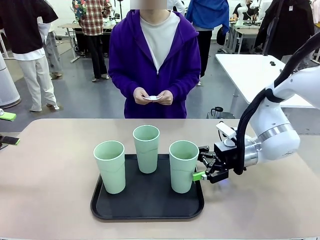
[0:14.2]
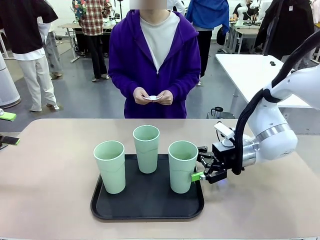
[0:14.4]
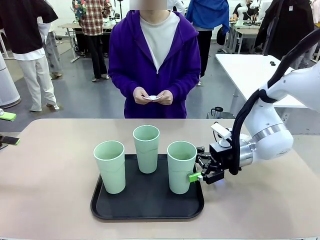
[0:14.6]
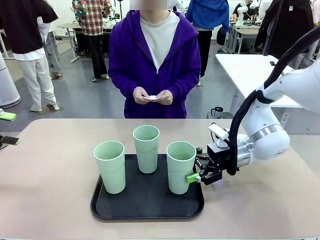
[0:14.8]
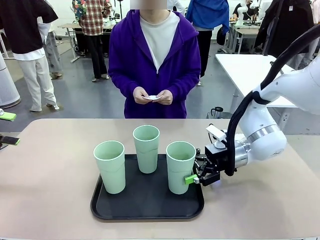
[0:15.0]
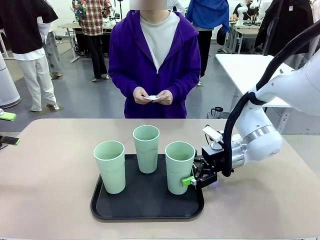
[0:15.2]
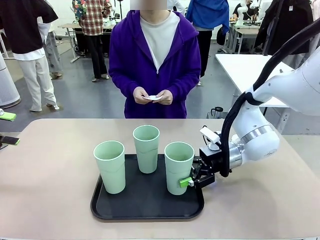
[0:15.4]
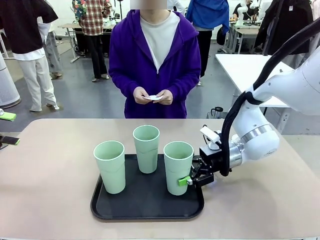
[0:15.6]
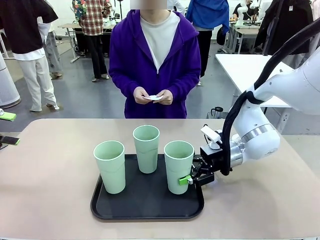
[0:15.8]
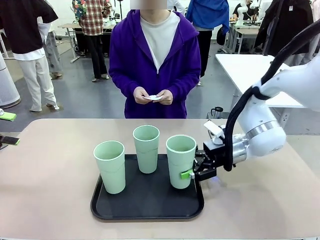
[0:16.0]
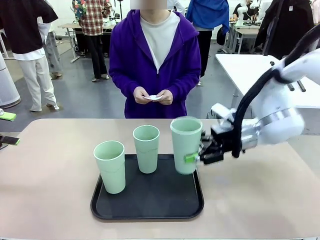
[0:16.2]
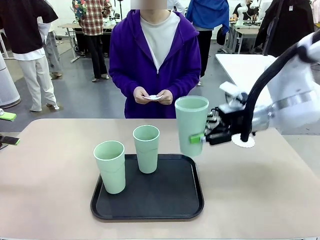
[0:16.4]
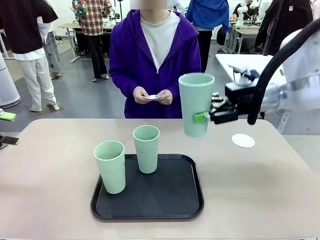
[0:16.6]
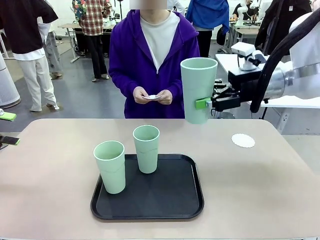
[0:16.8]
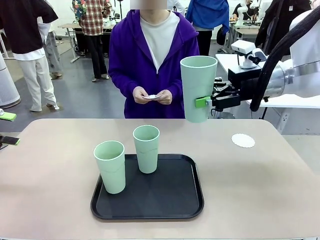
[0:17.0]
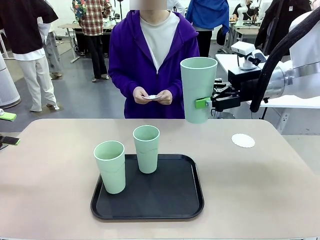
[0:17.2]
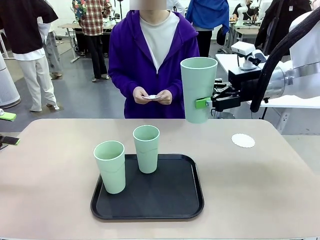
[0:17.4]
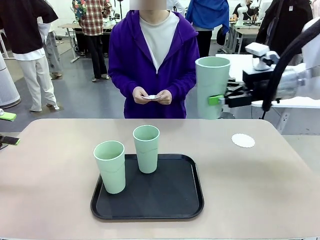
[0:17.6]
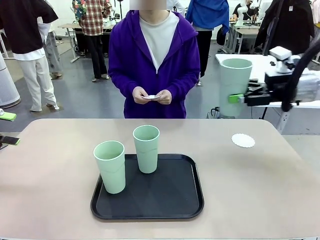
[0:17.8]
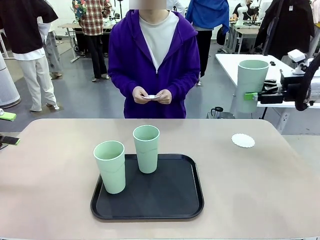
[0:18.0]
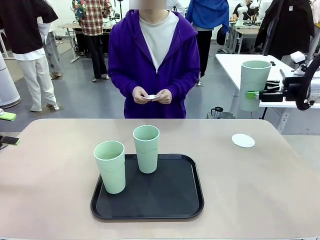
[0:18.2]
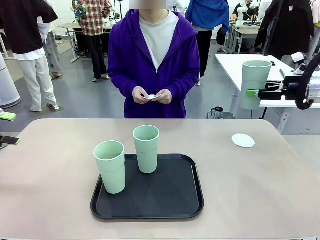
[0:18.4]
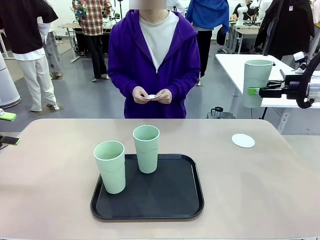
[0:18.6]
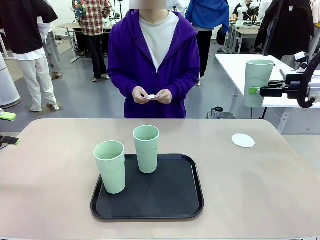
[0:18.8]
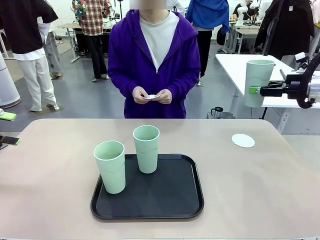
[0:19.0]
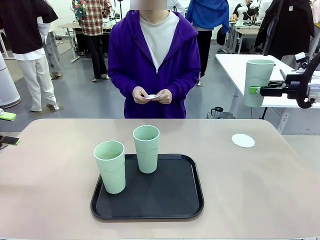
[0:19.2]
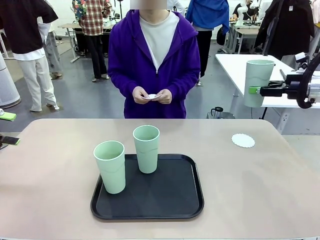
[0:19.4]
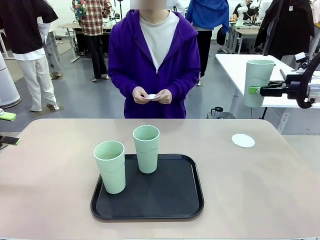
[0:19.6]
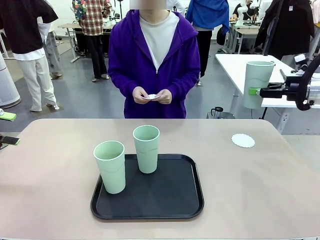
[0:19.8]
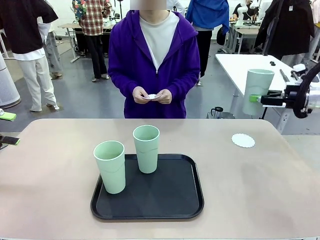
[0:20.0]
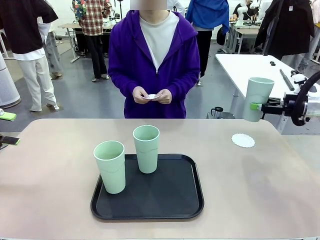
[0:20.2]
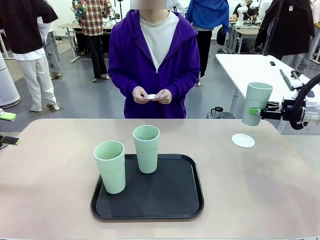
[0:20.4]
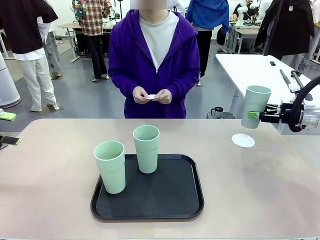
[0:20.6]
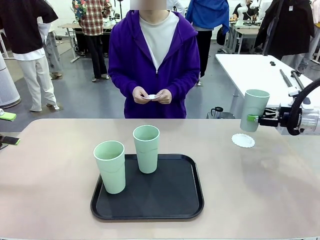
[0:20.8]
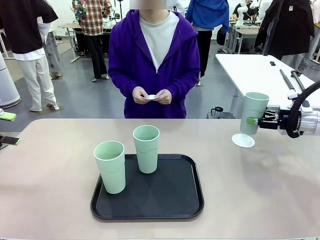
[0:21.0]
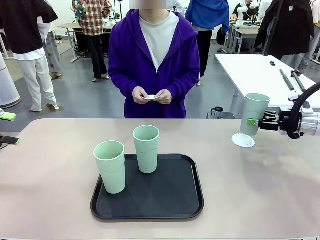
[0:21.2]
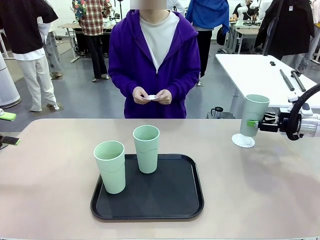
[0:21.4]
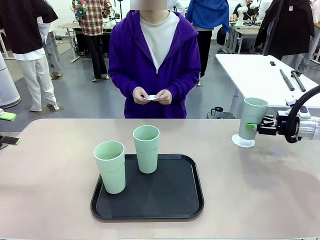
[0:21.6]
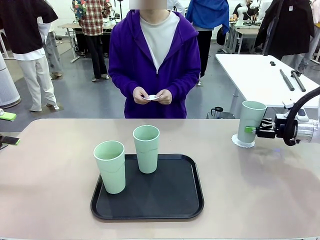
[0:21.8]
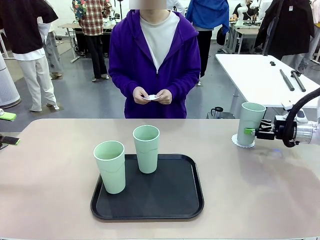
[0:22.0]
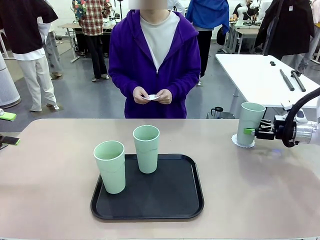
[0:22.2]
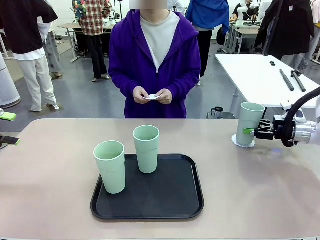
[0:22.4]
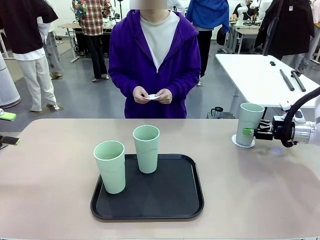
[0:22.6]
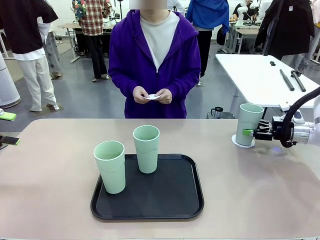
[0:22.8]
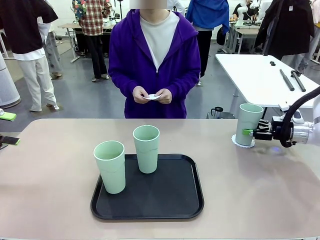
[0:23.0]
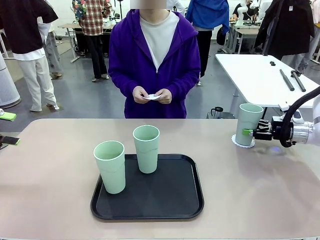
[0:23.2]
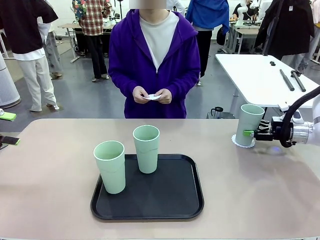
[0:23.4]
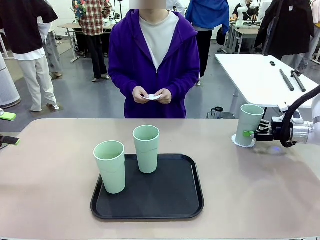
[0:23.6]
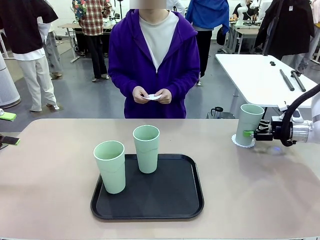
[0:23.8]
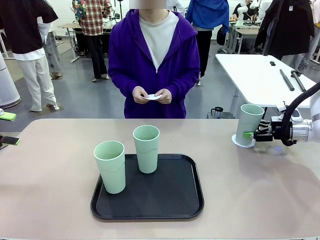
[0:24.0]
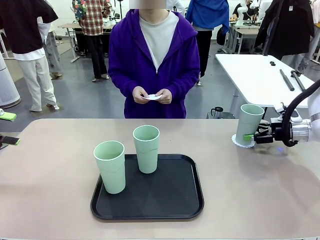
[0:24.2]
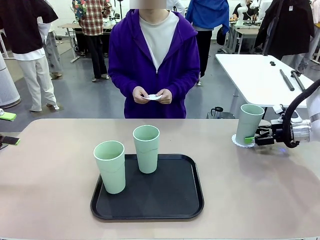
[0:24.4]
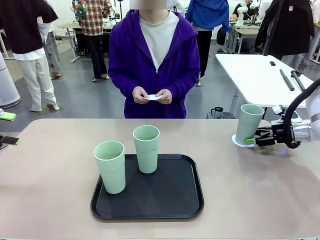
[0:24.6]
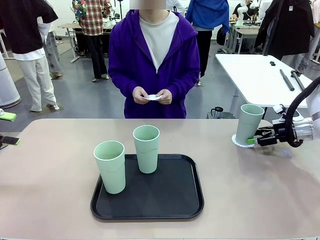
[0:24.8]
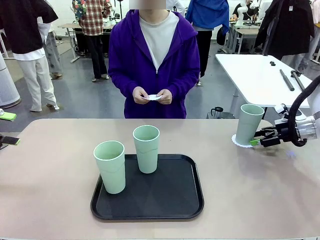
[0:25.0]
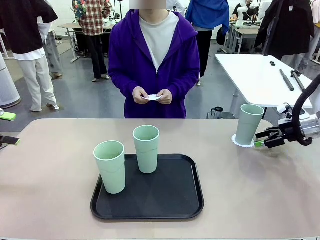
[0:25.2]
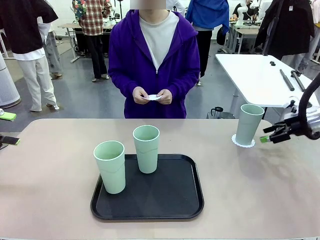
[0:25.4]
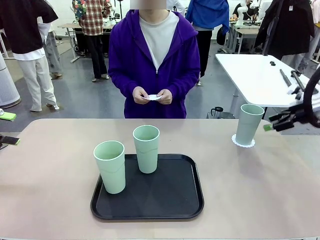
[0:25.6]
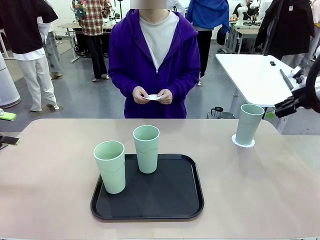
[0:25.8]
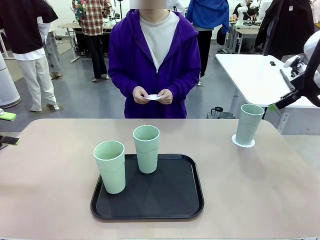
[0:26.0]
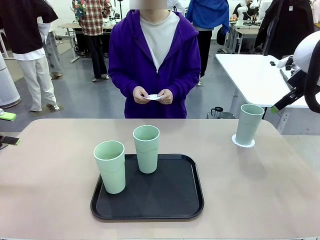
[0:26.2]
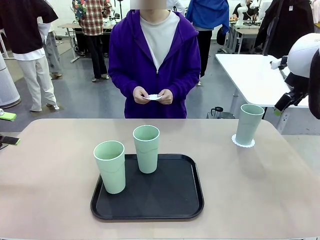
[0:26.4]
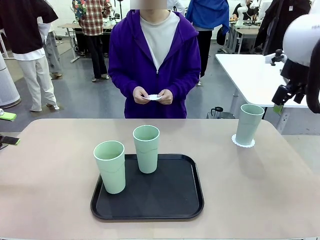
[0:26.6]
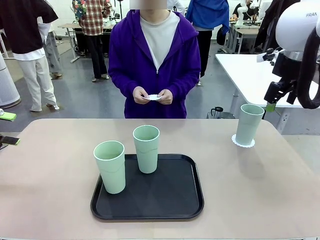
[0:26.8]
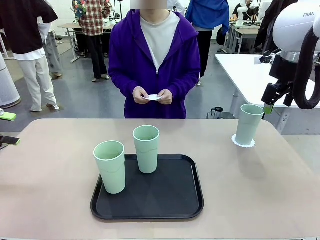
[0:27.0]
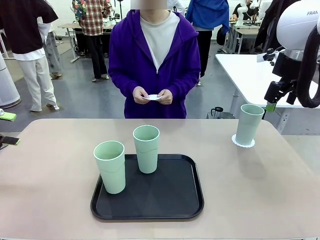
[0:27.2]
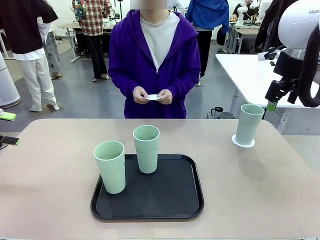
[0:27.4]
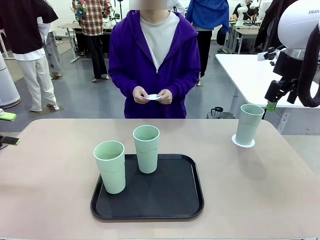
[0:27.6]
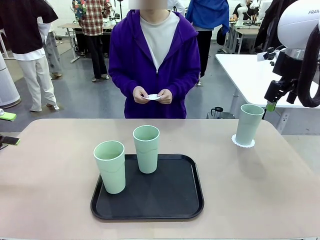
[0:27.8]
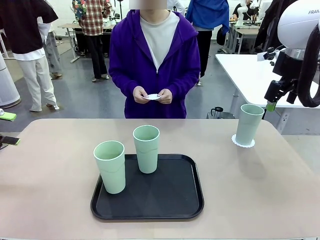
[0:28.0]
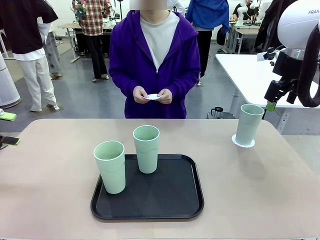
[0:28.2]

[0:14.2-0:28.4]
Task: Place coasters on the table and set cups on them.
Robot: Pick up one Reusable plastic cup and place it on a coaster set by the human.
Person: Place one coaster in one of the two areas excluding the previously selected area.
